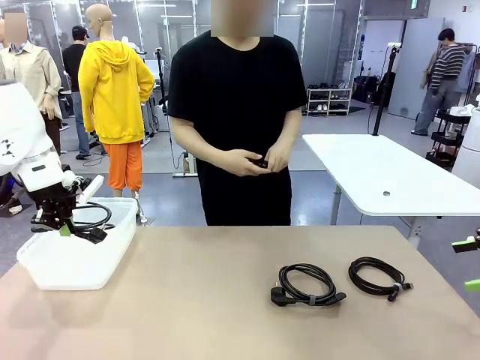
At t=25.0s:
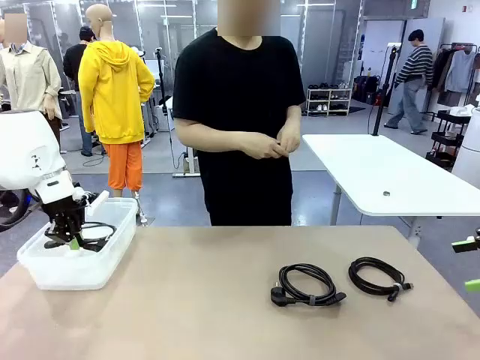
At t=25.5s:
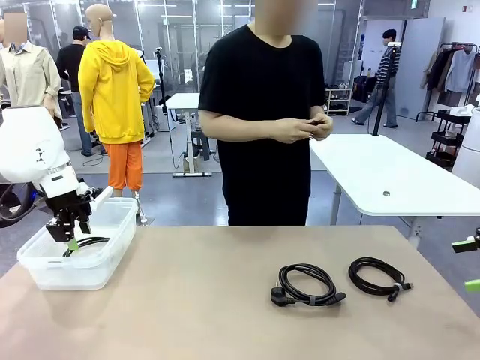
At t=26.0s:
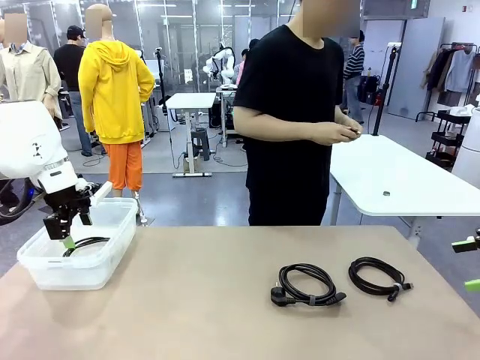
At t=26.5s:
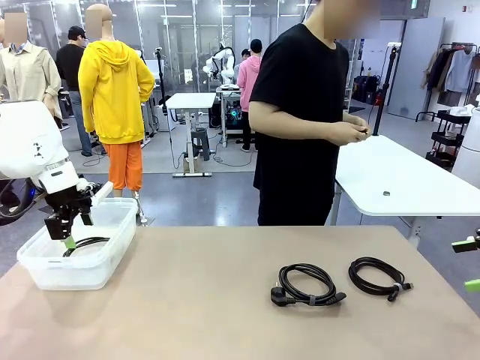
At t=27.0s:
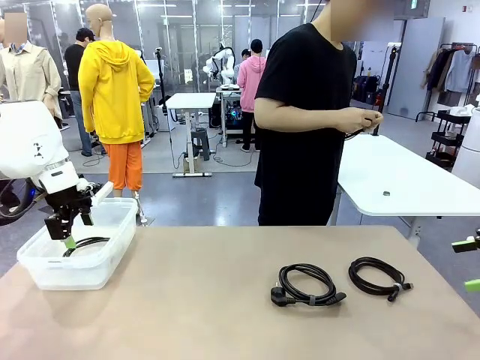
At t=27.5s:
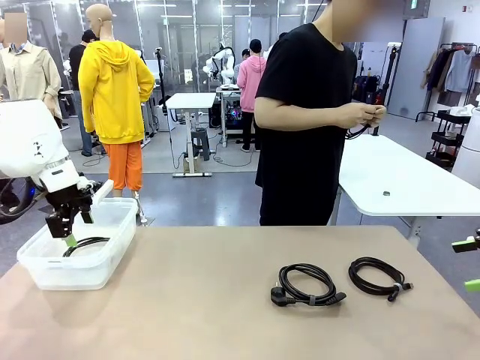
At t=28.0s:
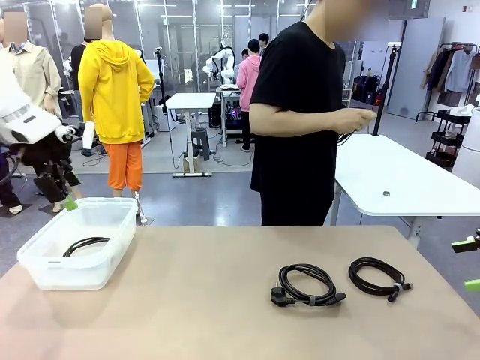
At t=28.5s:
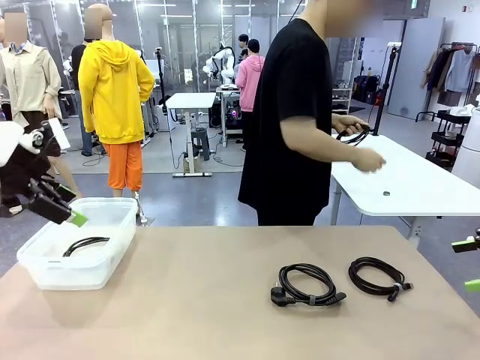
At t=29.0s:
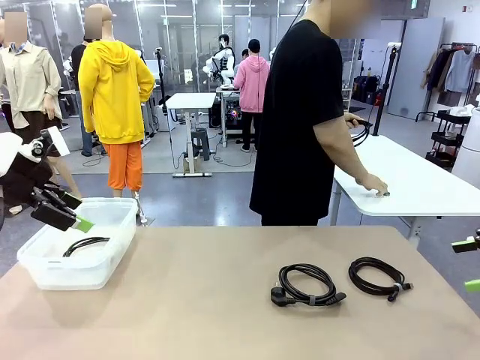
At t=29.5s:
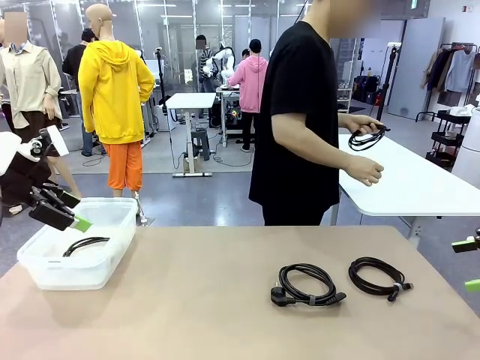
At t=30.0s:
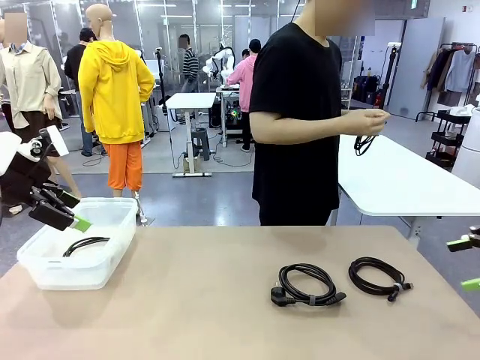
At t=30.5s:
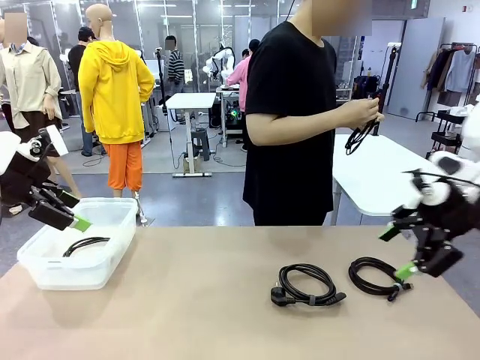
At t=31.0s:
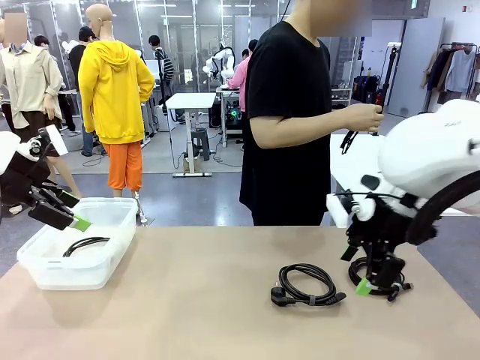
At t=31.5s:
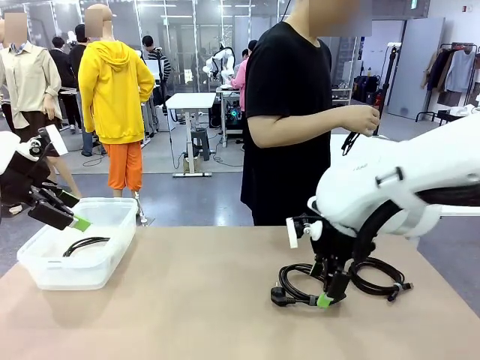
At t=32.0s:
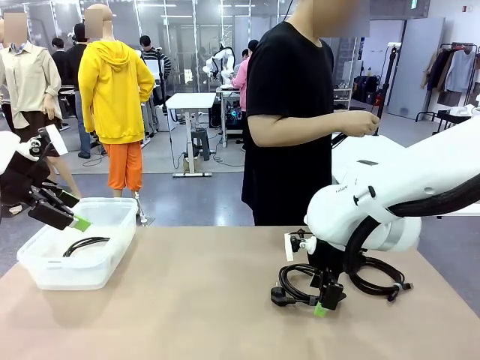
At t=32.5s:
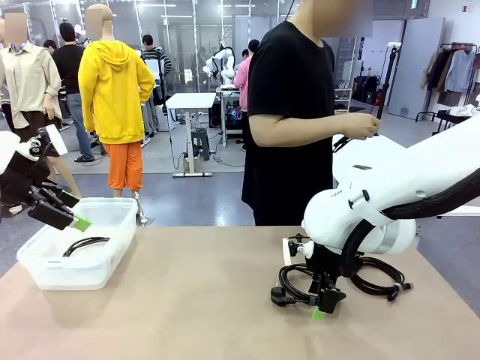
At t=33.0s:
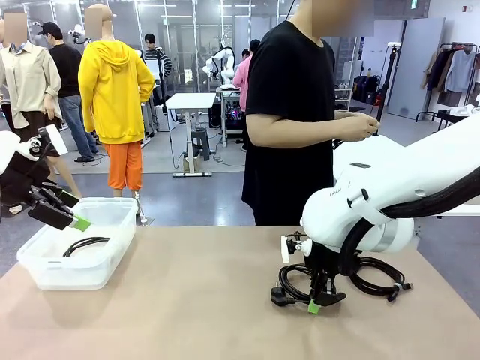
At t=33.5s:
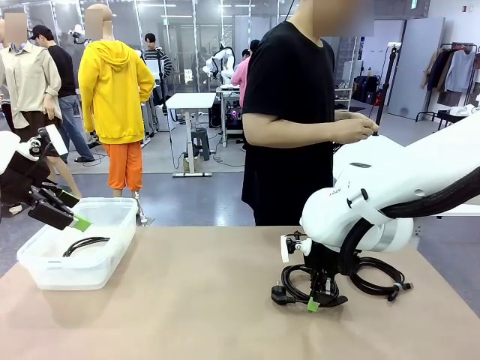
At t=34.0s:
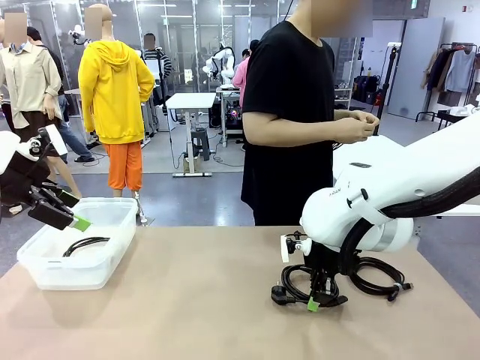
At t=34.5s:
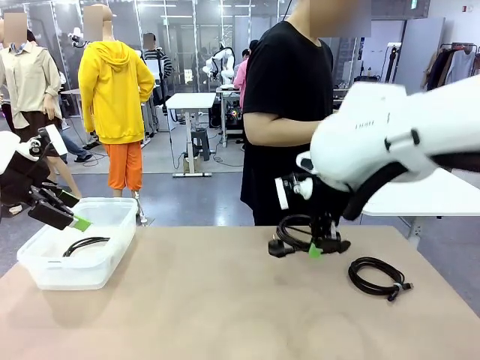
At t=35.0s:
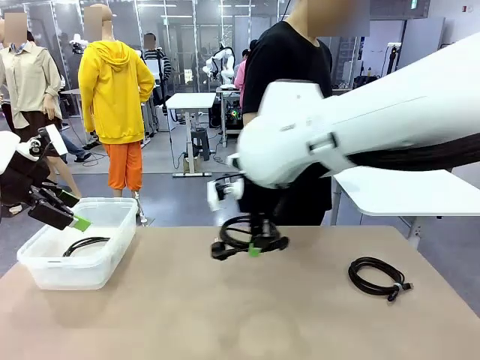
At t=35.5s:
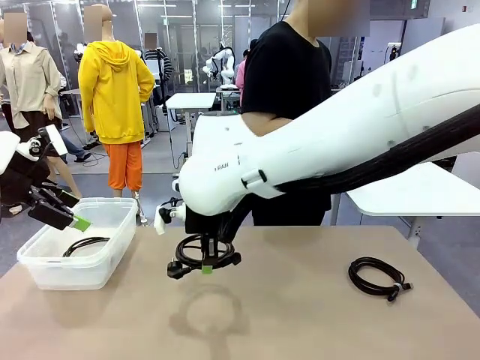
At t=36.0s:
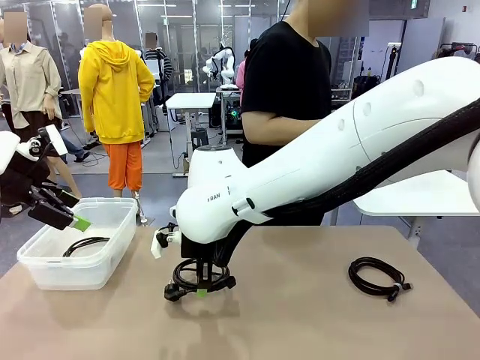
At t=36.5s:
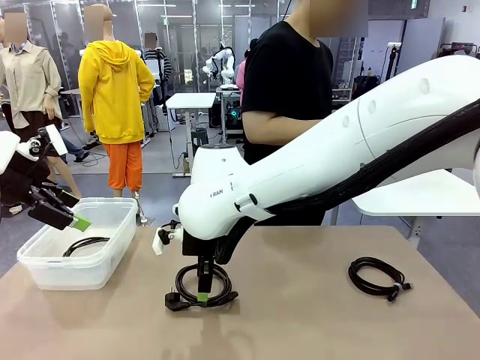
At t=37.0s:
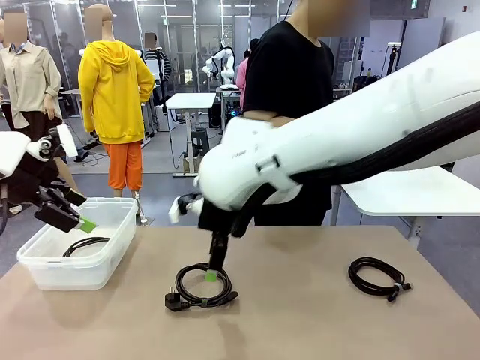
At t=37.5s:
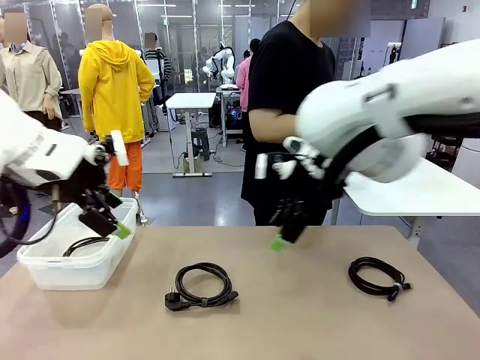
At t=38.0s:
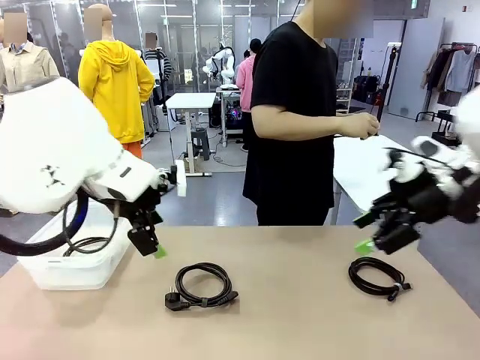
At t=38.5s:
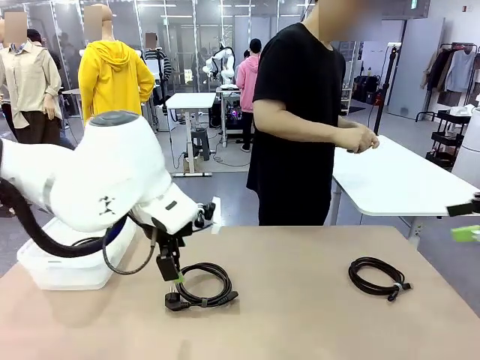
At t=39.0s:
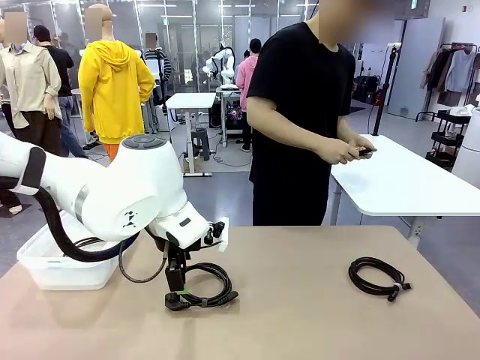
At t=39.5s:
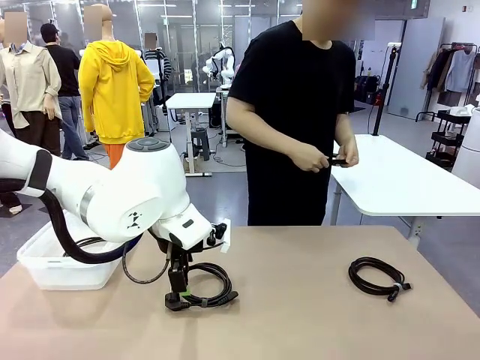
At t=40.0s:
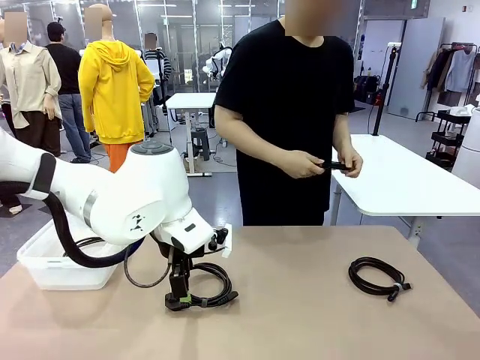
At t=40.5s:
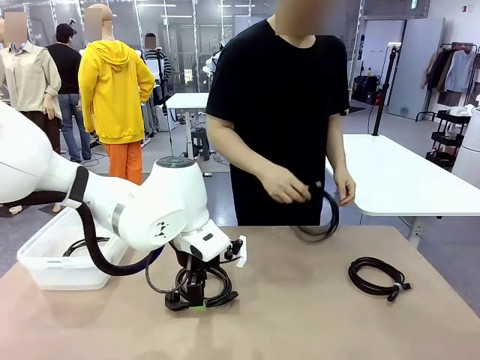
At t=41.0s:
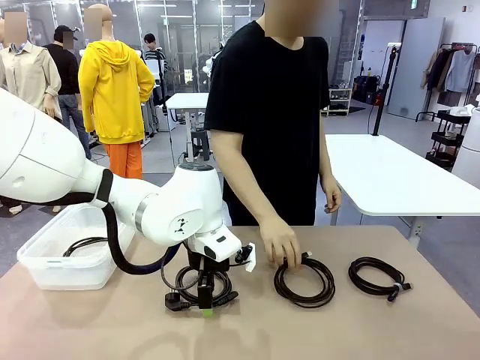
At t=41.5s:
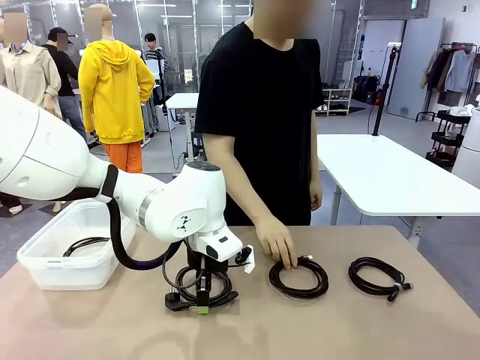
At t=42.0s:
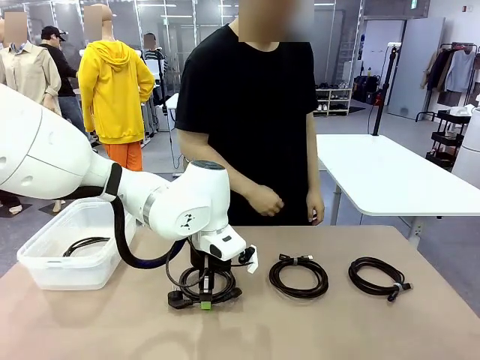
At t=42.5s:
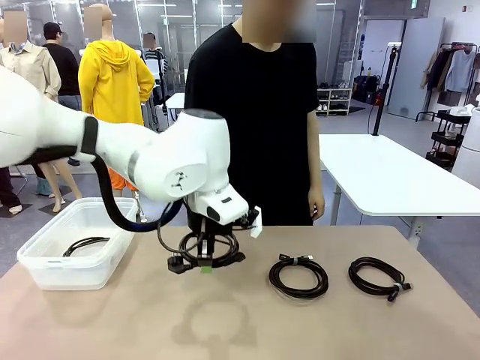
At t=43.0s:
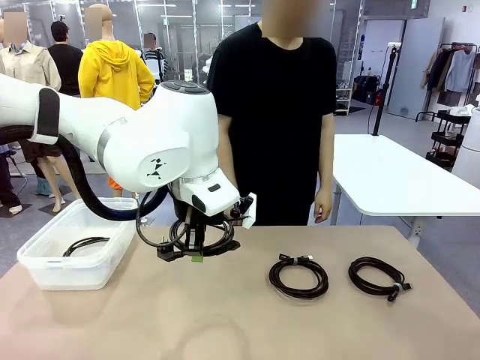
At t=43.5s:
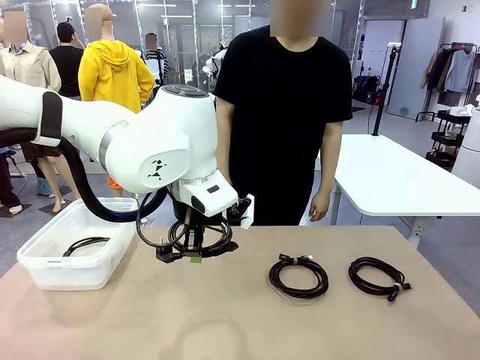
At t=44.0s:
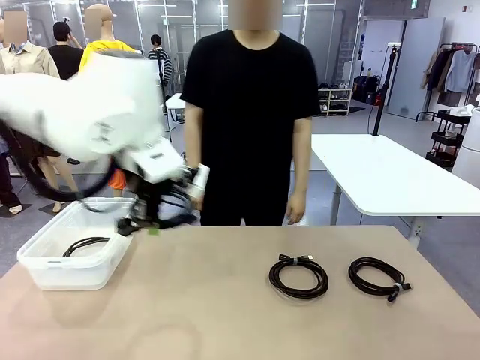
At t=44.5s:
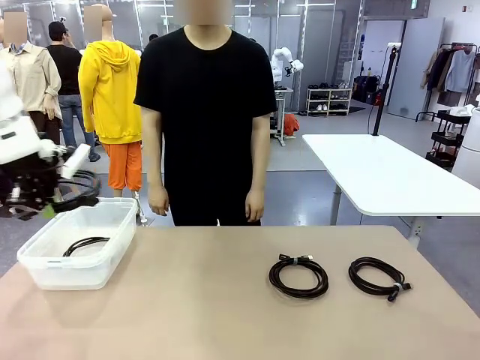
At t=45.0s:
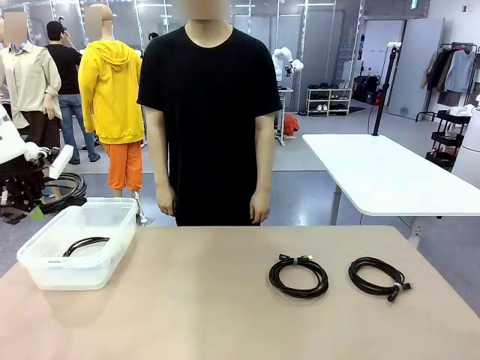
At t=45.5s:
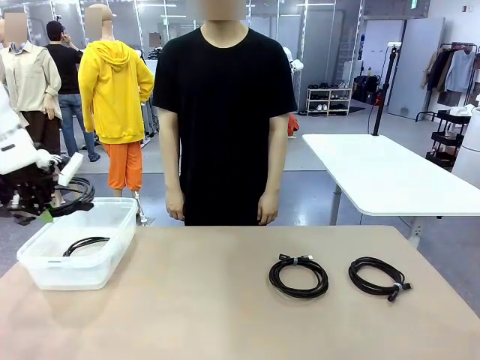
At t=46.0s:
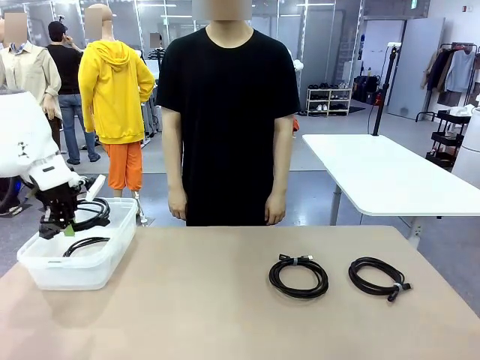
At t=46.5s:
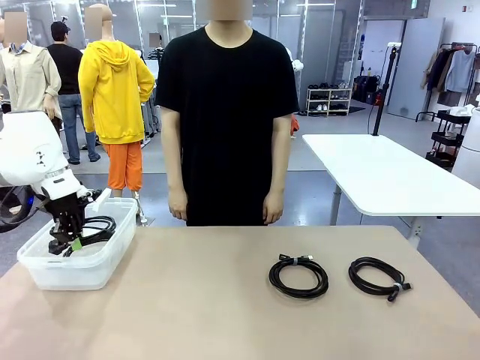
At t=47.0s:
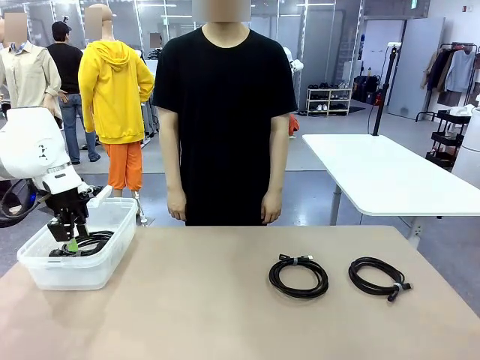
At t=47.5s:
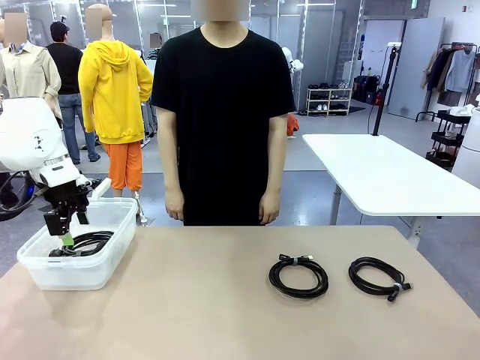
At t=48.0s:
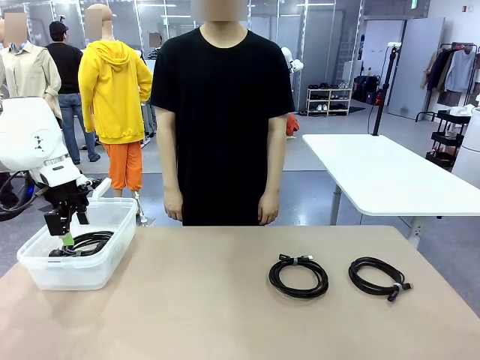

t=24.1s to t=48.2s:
Task: Organize and store the cables.
Robot: Place the Power Cable into the Organizing box.
